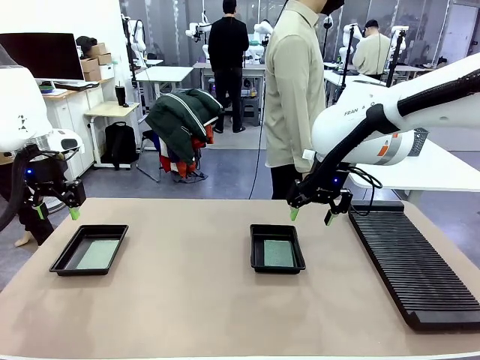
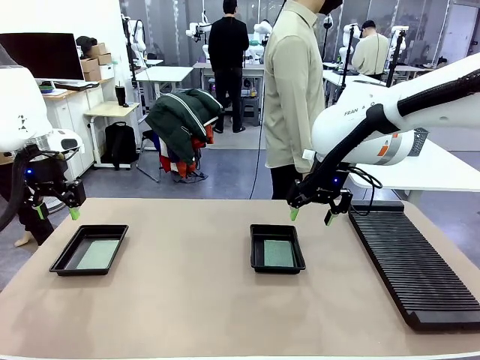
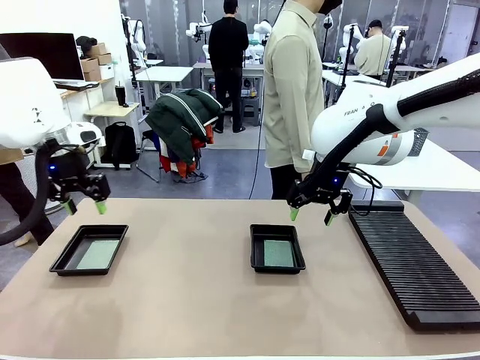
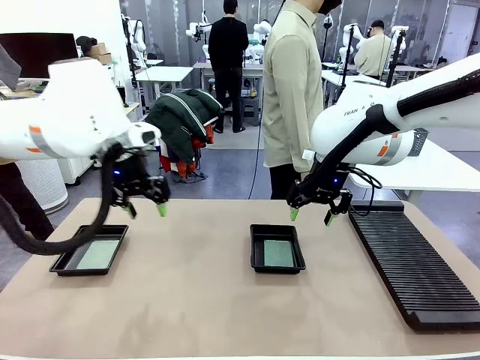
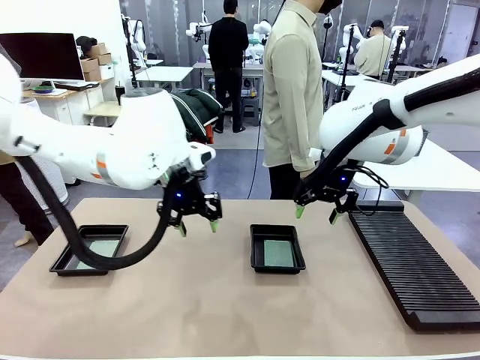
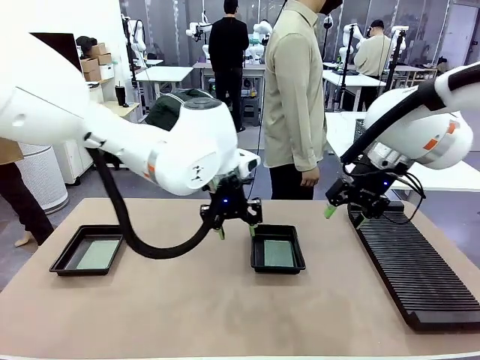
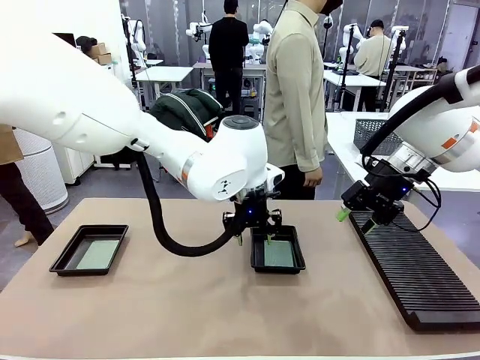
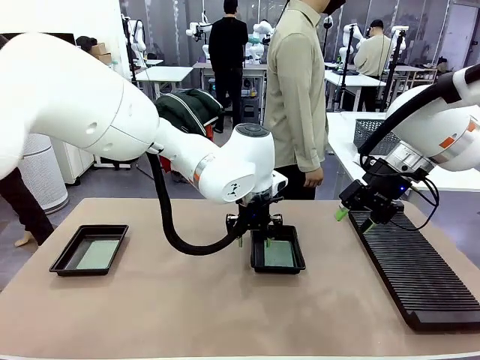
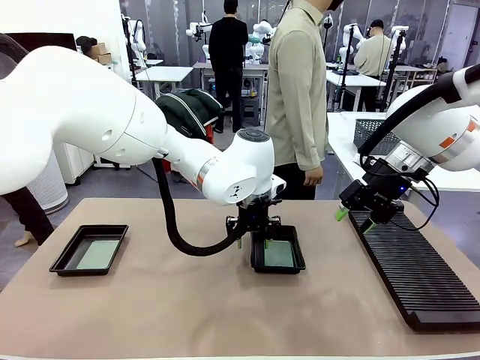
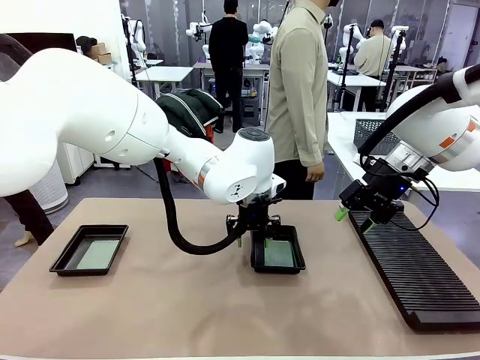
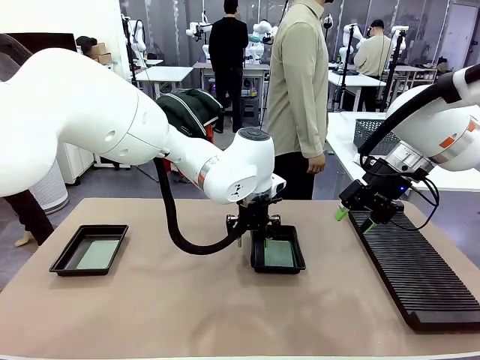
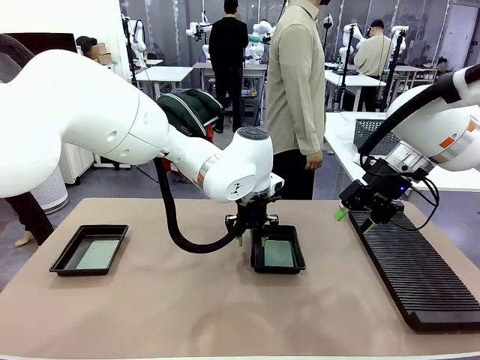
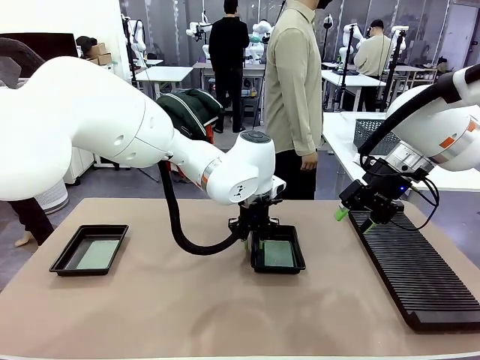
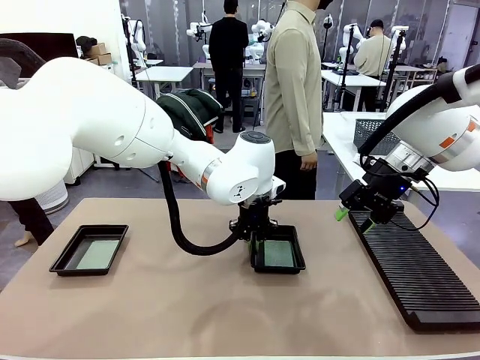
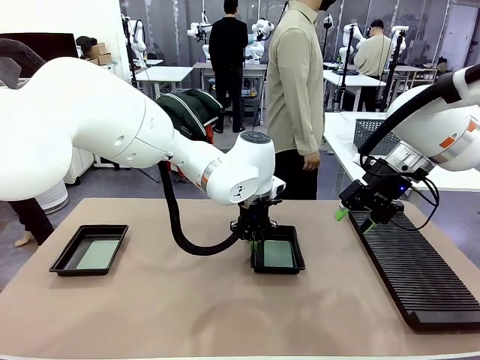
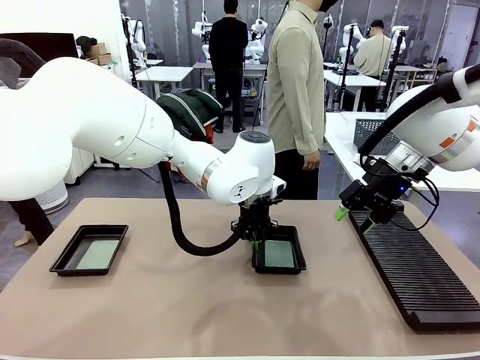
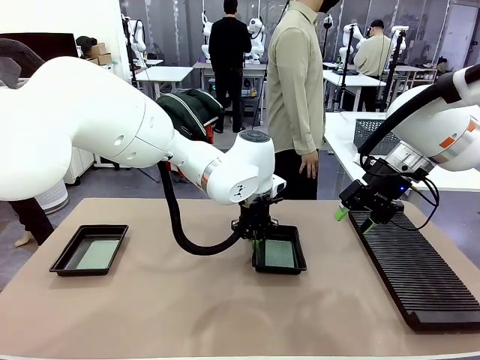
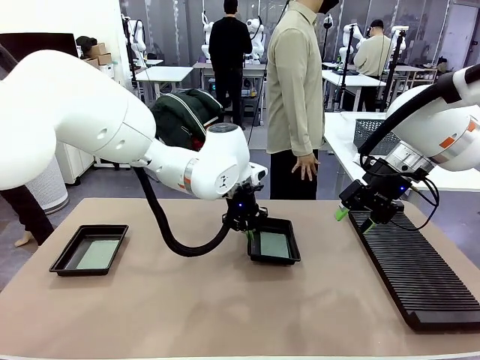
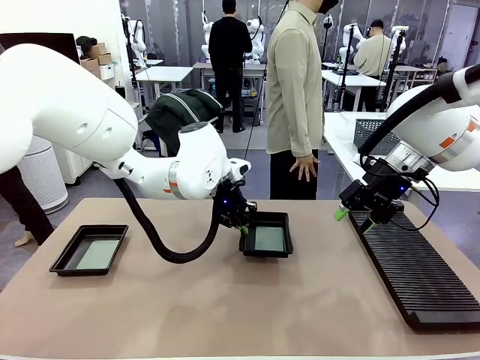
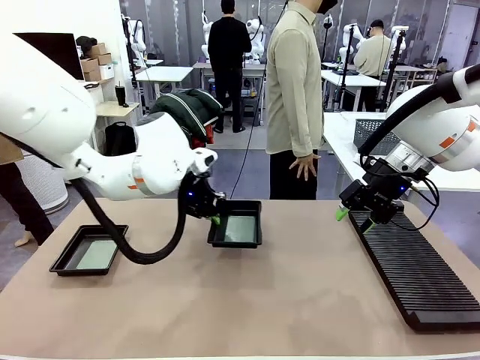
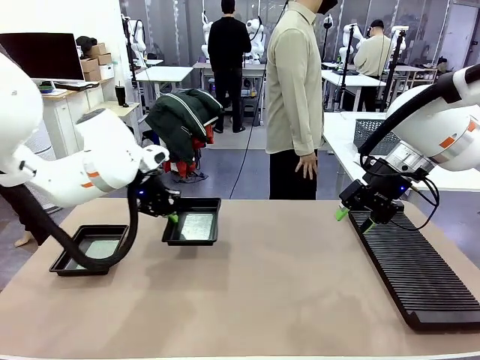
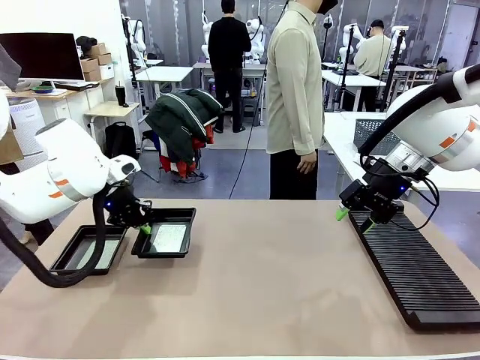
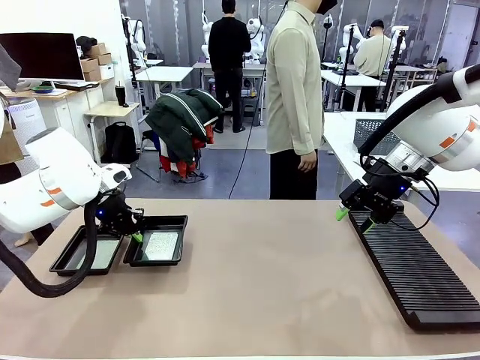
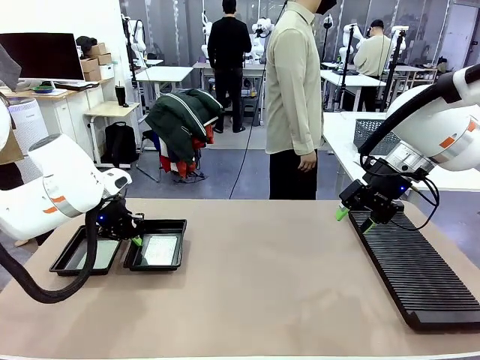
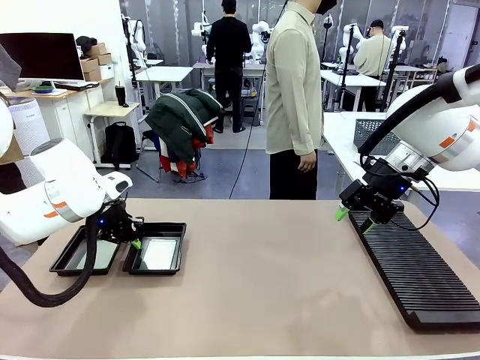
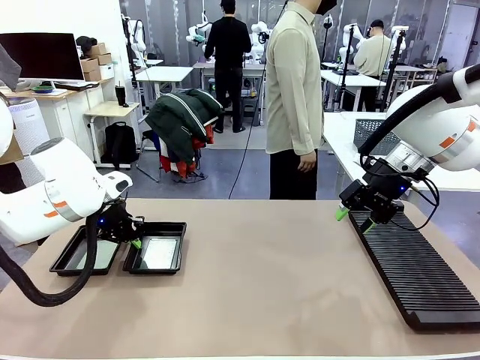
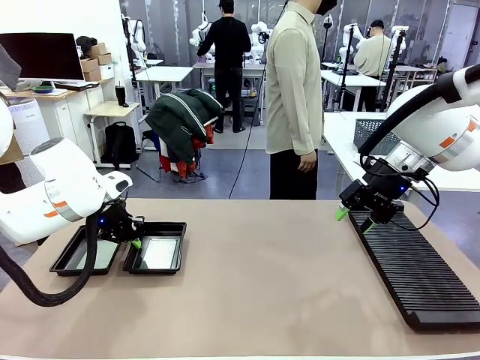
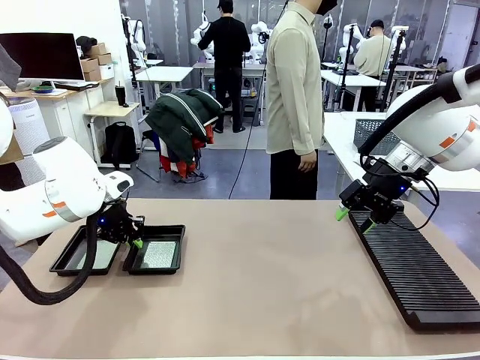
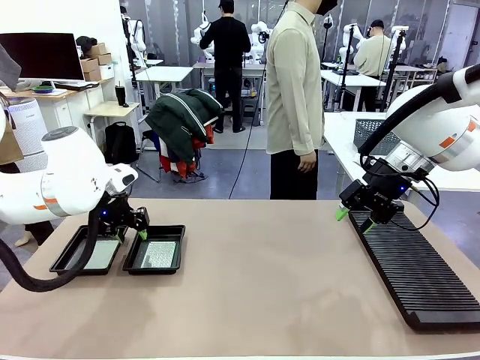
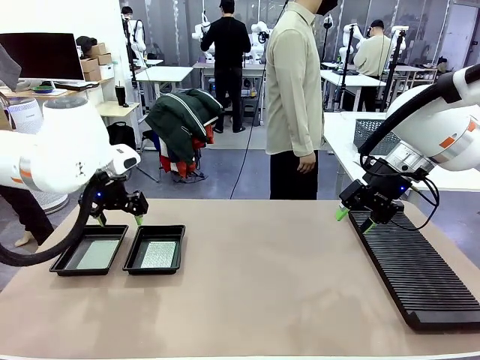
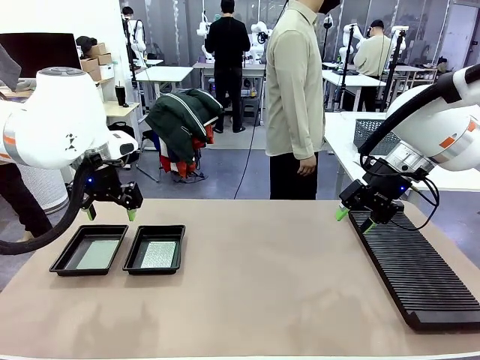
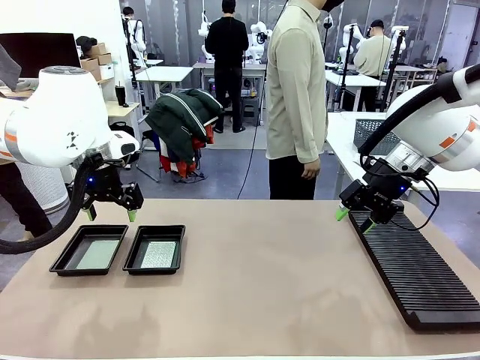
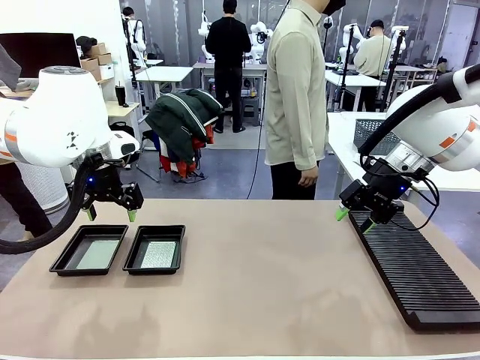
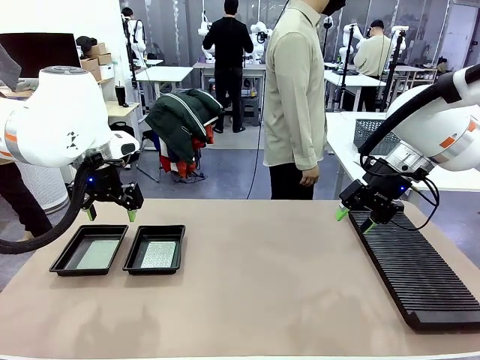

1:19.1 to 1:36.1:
Task: Inspect and transfer BCBs to ESD trays.
Robot: Pick up the ESD tray and place it on the left side of the table.

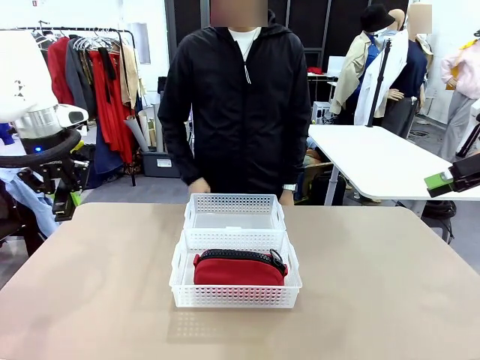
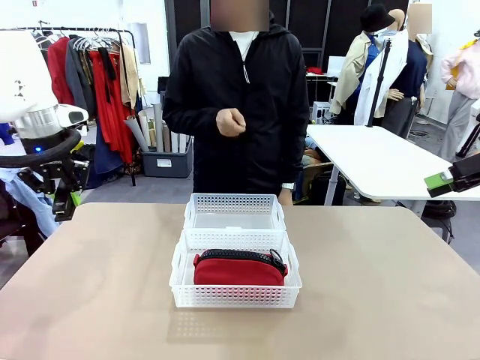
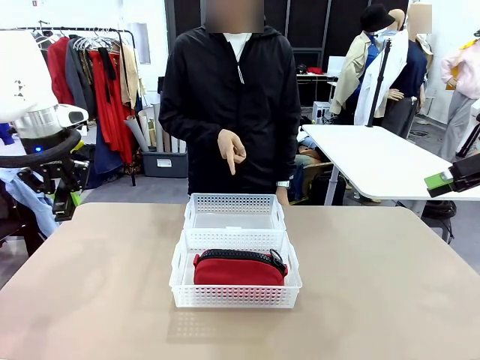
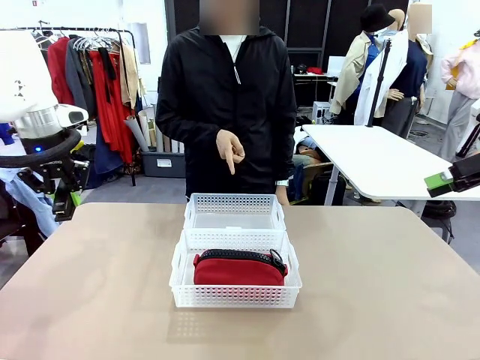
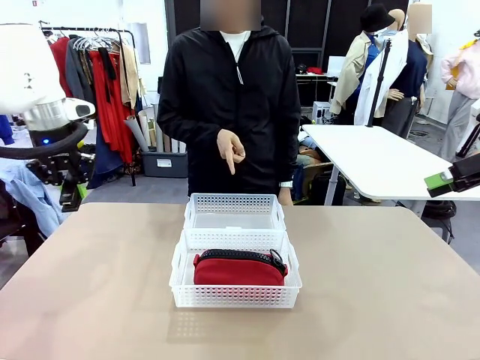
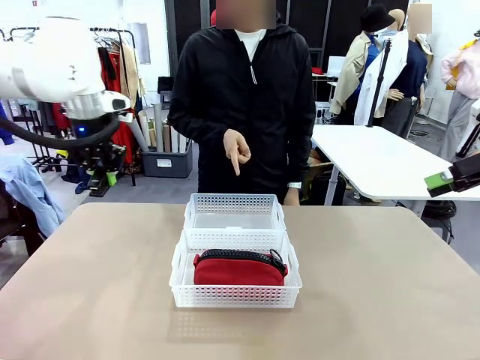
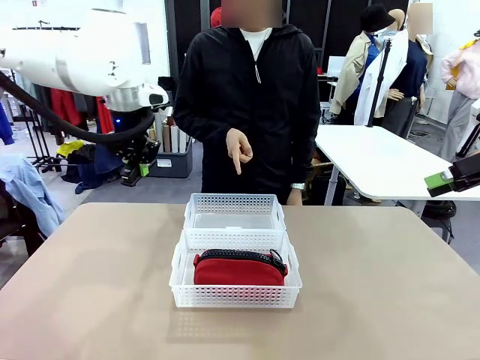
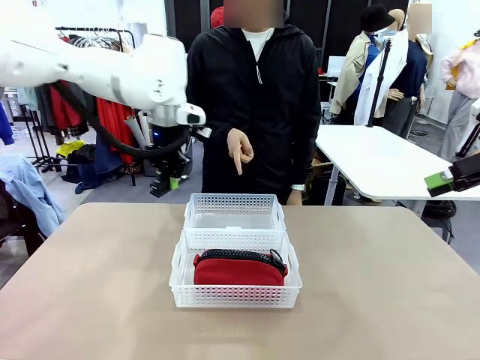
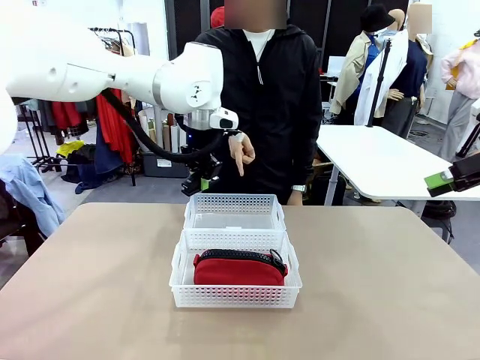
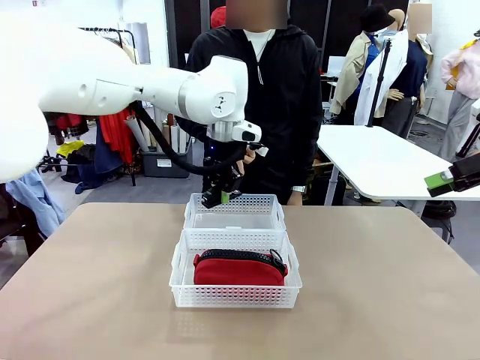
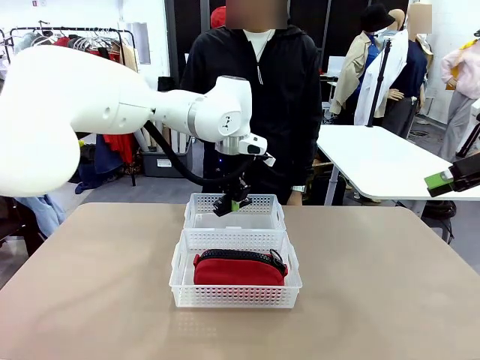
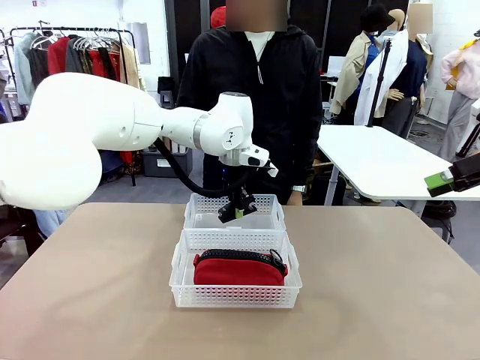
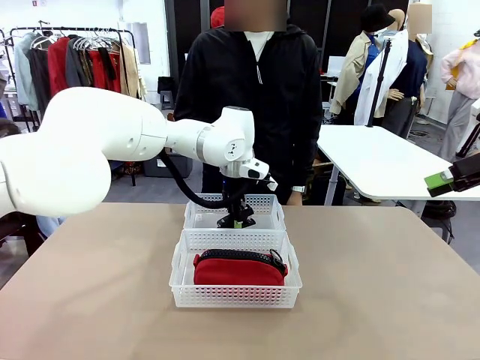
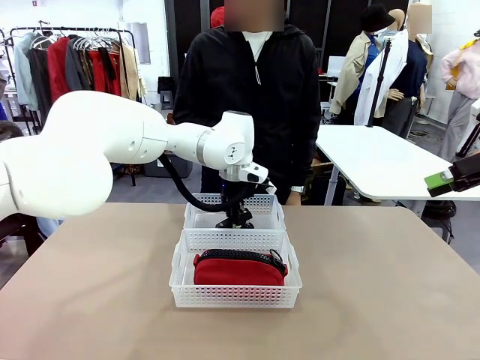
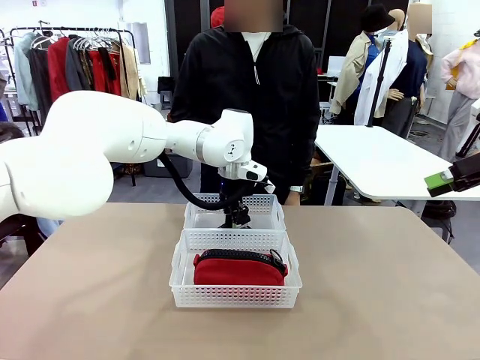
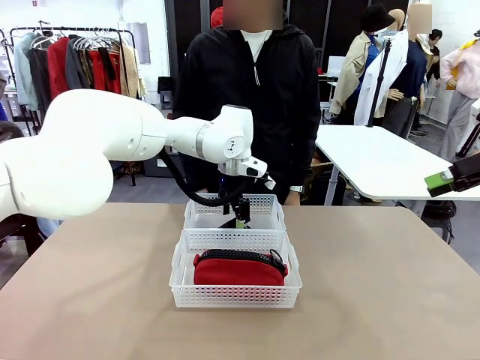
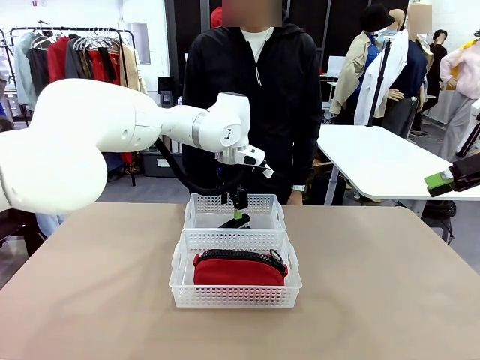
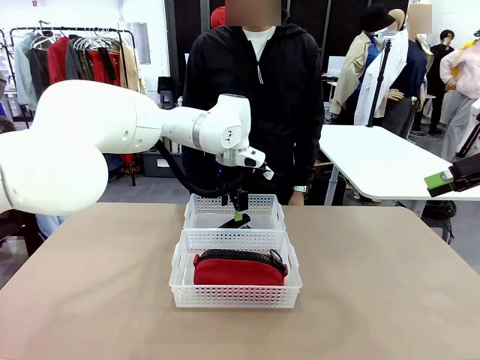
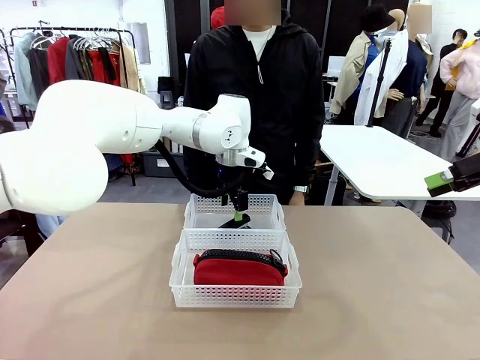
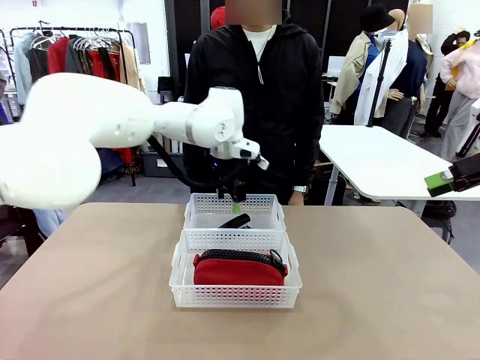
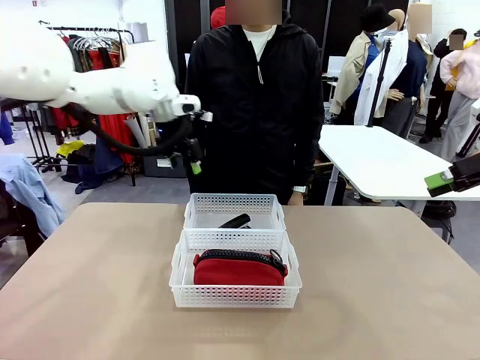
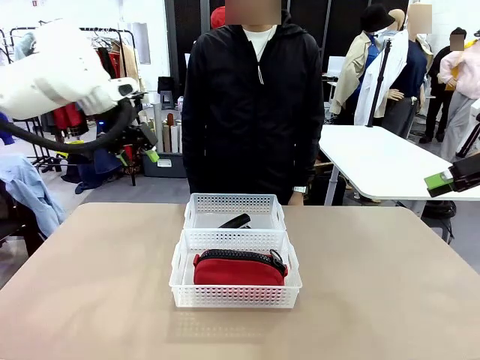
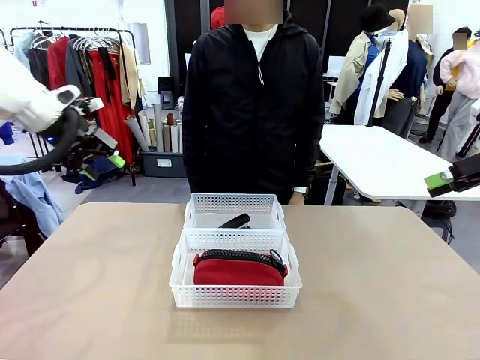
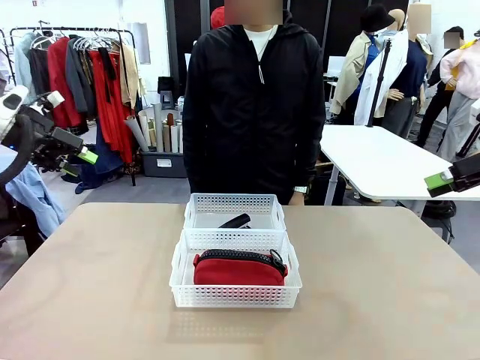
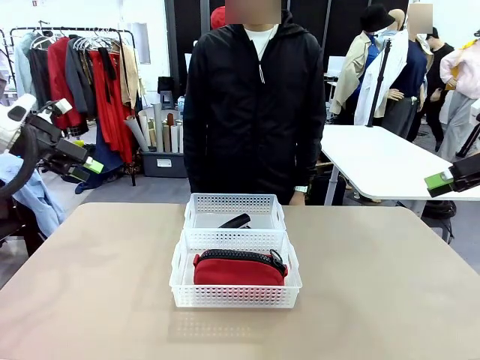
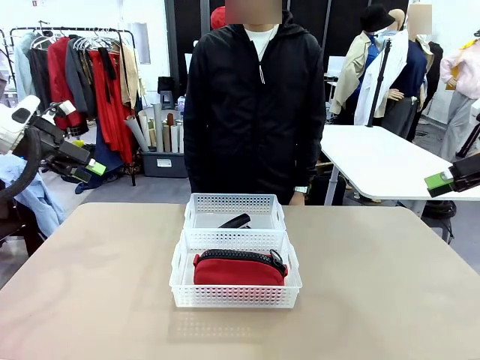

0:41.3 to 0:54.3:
Task: Distribute items into two baskets.
Robot: Place the picked Stapler into the Organizing basket as instructed by the person.
Person: Points to the basket that does not contain the pencil case and instructs the robot to move the stapler there.
